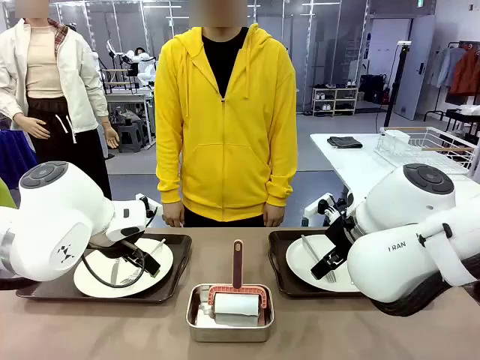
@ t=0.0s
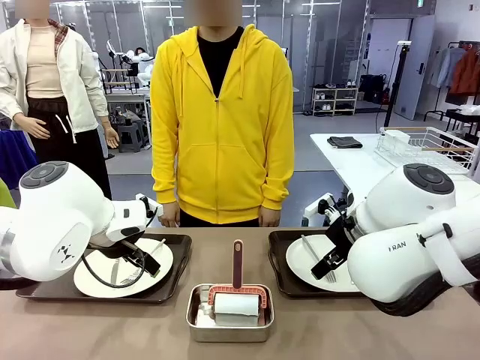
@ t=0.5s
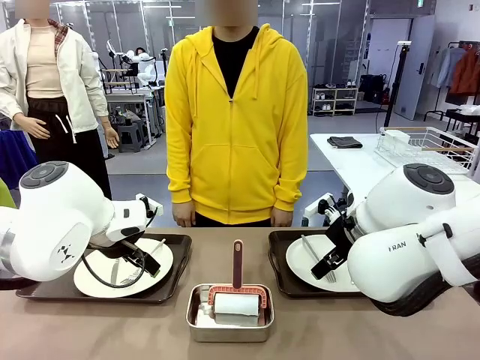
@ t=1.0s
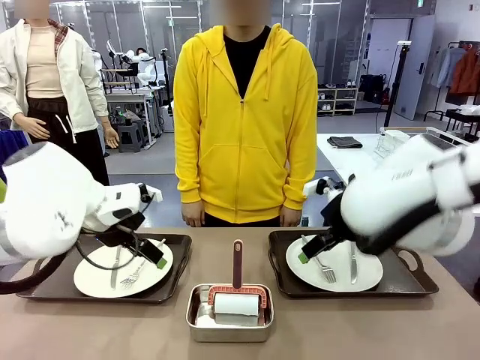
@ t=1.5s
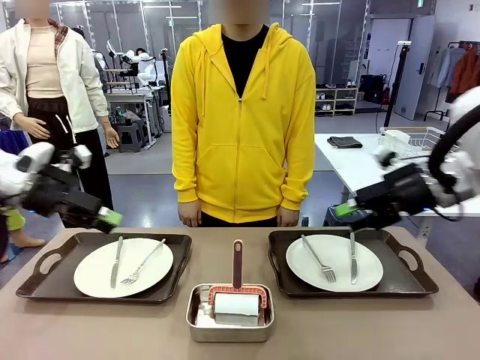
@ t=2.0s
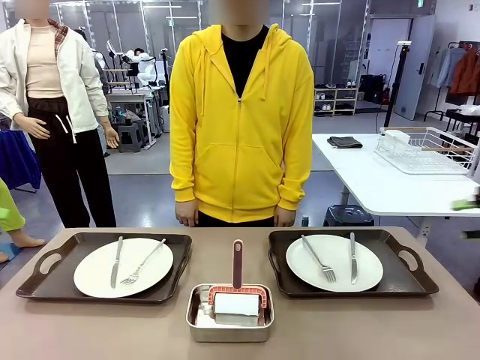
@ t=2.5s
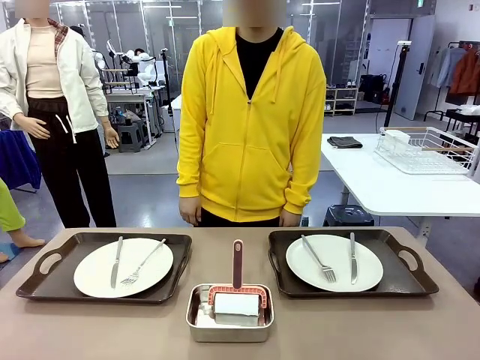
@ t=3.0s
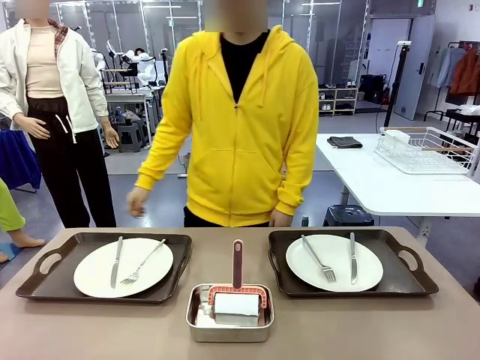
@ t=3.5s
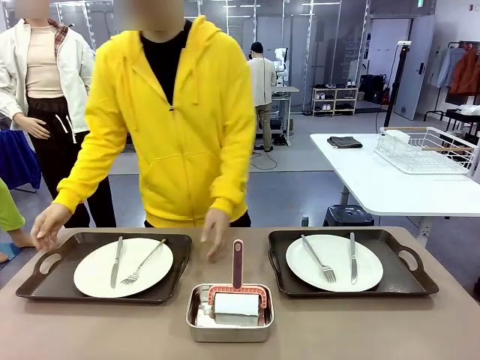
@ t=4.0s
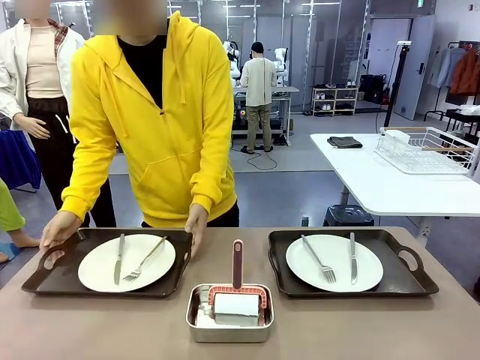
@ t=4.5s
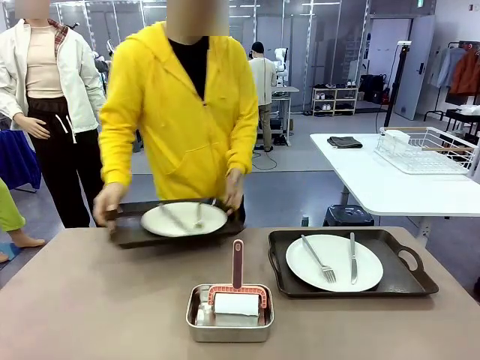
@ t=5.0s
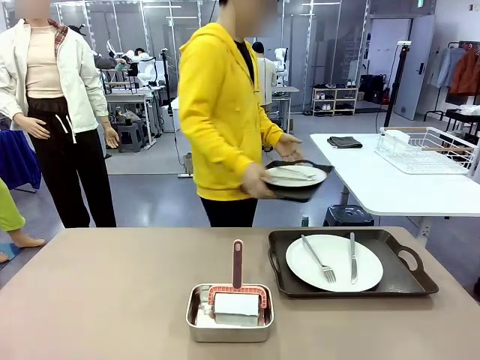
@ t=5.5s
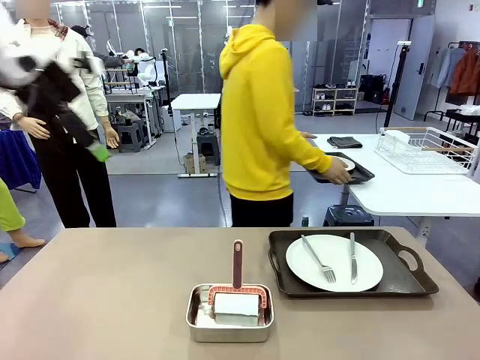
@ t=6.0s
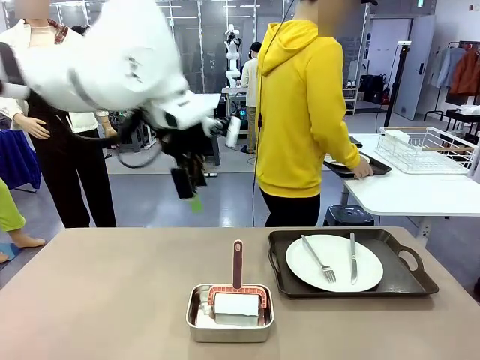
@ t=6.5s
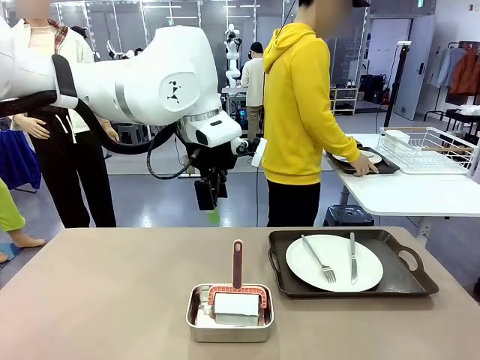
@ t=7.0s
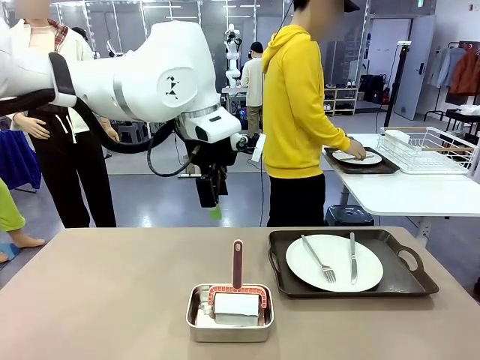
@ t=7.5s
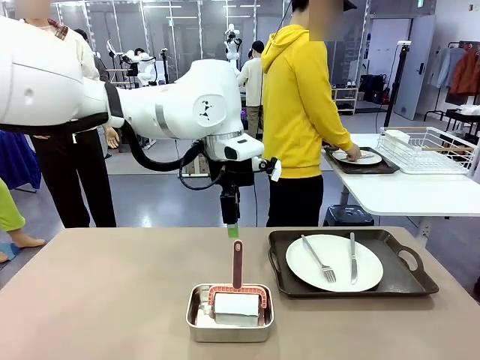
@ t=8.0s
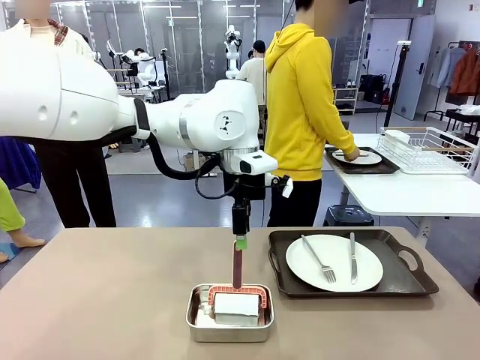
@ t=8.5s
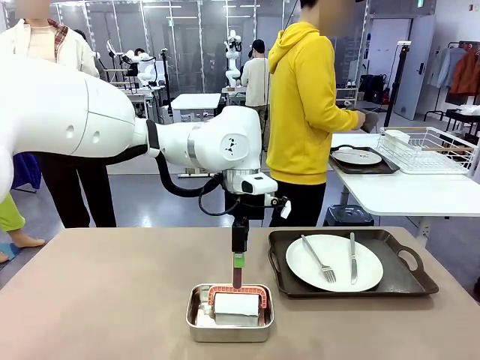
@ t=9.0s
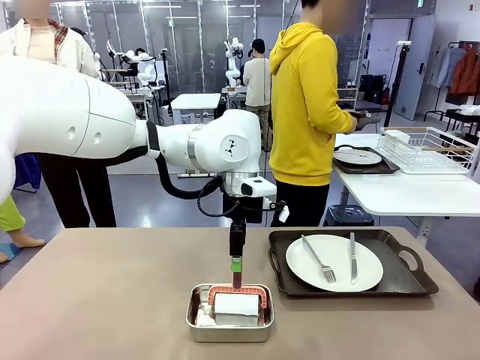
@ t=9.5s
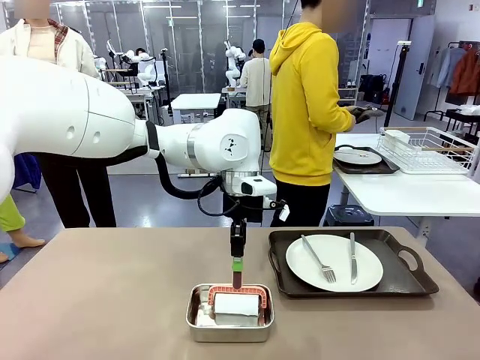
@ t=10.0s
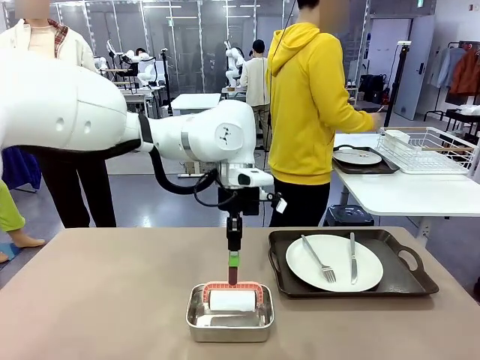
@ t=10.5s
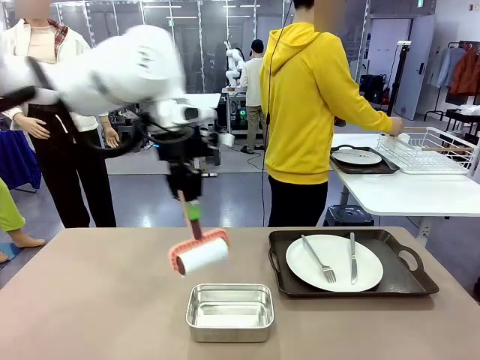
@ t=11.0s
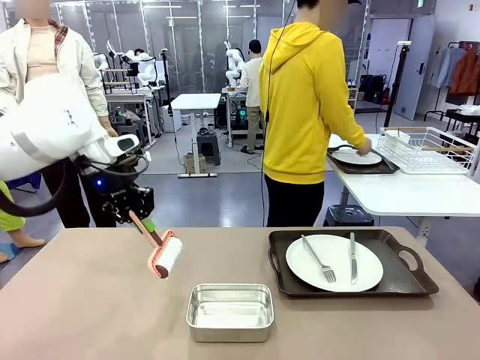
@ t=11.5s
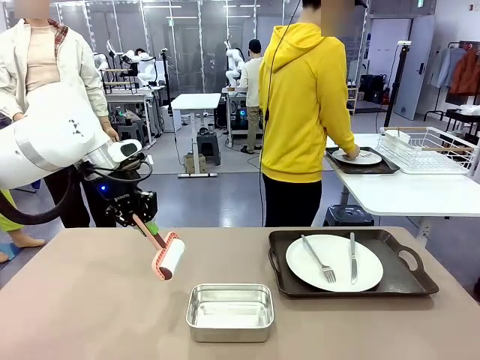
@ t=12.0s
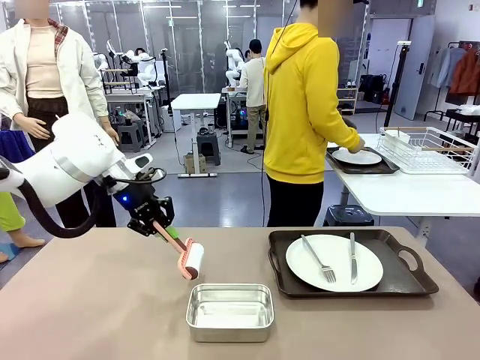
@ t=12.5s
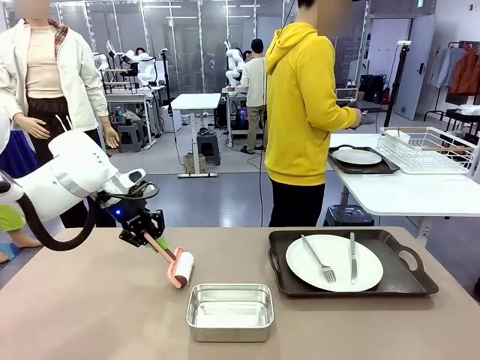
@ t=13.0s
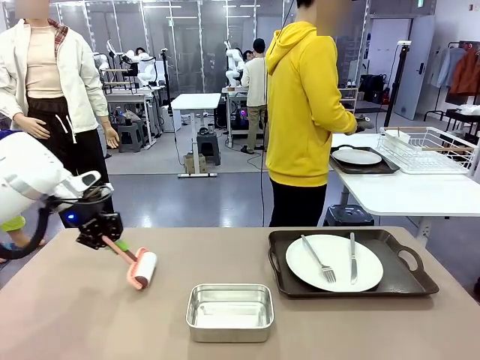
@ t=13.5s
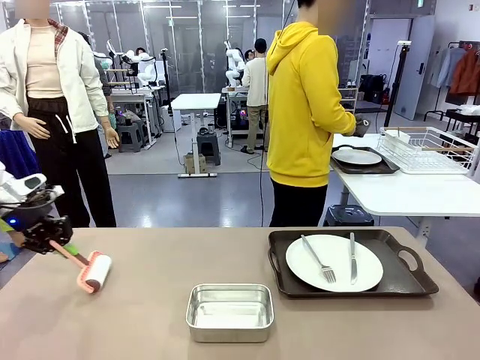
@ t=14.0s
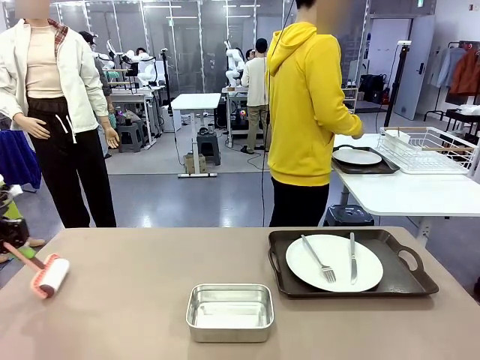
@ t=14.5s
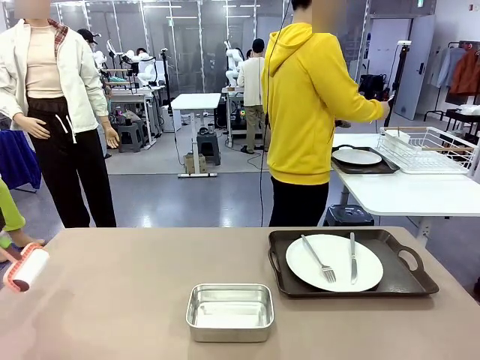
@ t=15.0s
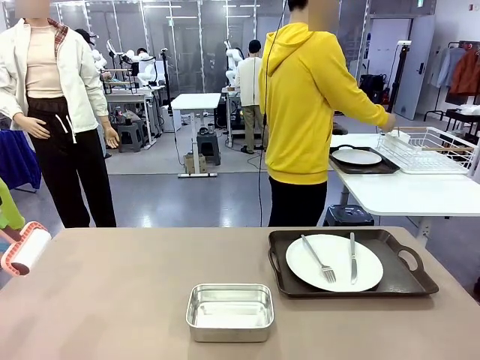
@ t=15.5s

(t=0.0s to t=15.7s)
Robot: When the left (or right) Handle tray is removed, use the left hand (or right hand) to clean the left (or right) side of the table with the Lint Roller.
Person: Pick up the left (or right) Handle tray and place it on the middle of the Human's table. Use the Towel with hook to wipe the Plastic Matte Plate , Fork , and Knife and place into the Dish drying rack.

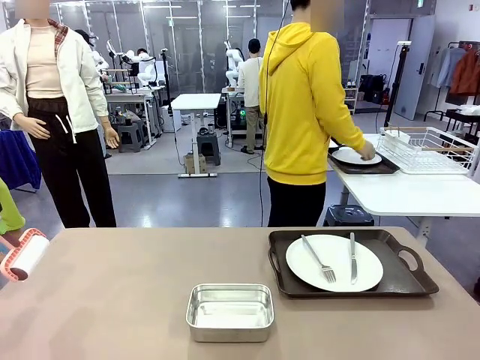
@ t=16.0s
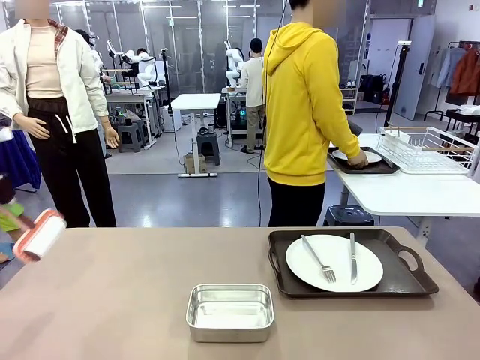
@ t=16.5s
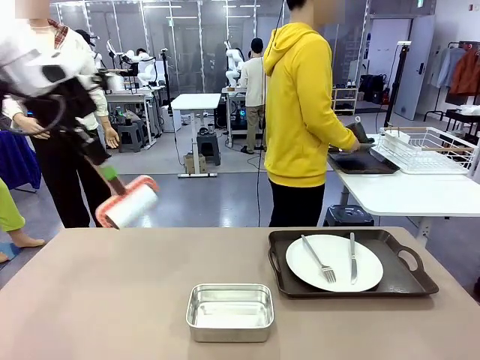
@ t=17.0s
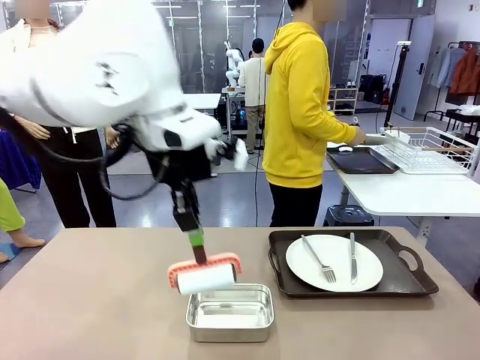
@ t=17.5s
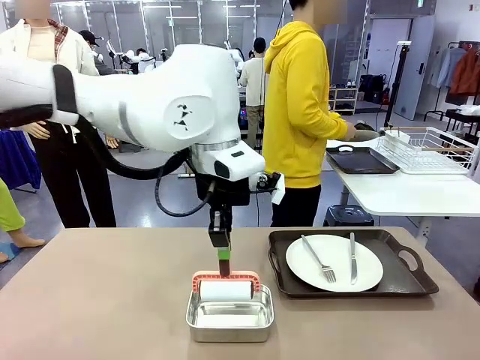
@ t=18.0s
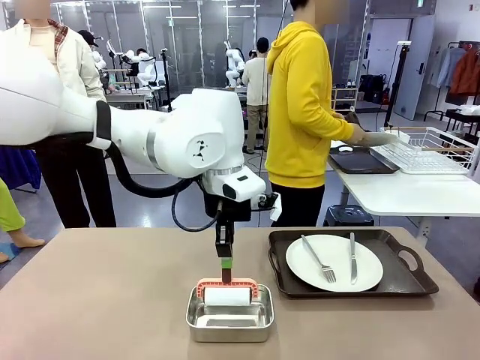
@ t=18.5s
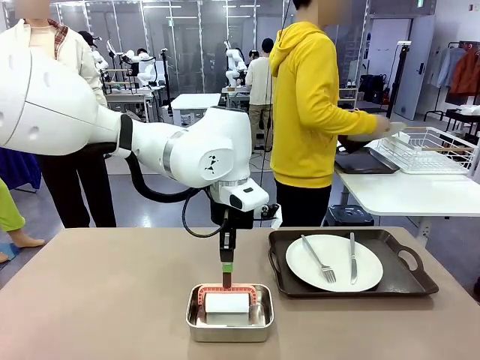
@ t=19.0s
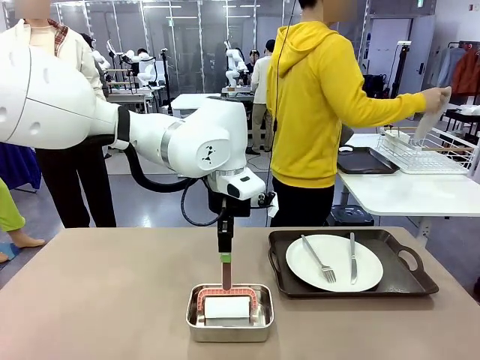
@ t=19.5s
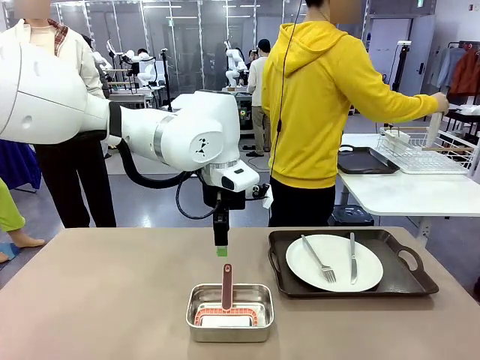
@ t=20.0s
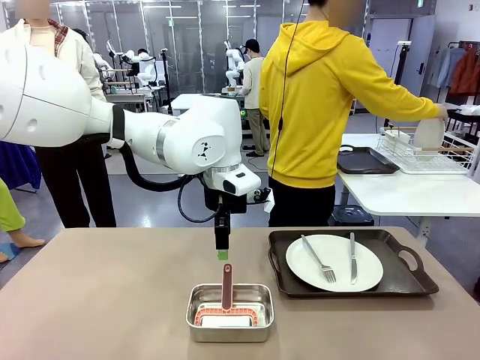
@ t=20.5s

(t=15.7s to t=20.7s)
Robot: Place the Lint Roller back on top of the Airtight Container.
